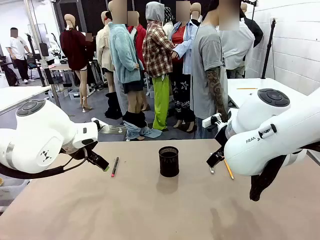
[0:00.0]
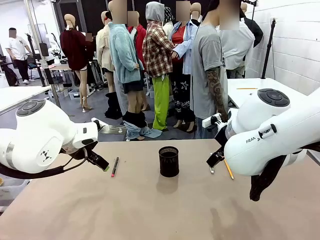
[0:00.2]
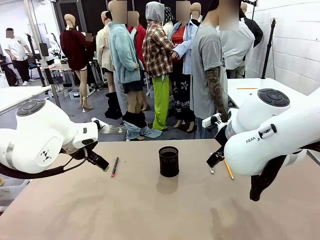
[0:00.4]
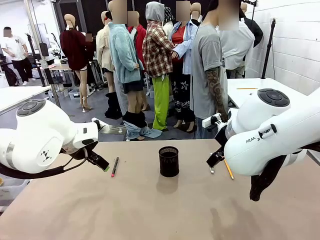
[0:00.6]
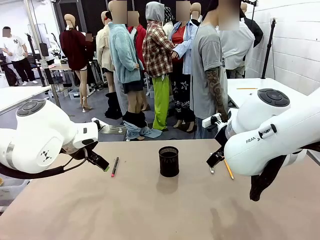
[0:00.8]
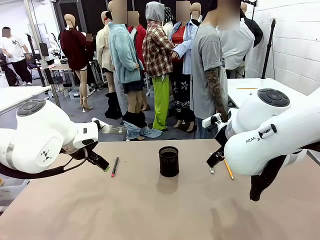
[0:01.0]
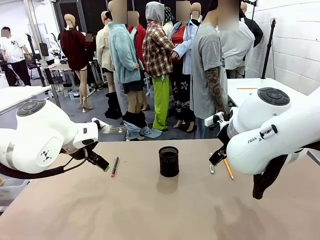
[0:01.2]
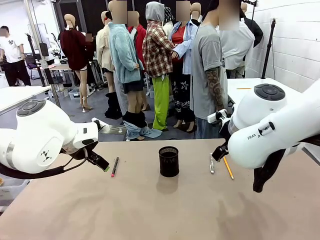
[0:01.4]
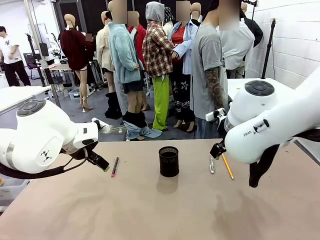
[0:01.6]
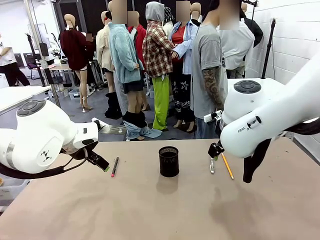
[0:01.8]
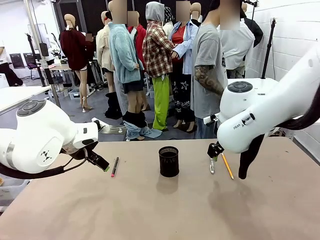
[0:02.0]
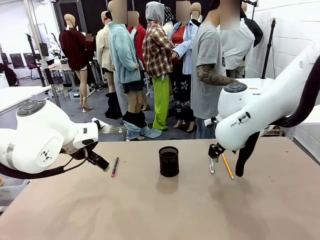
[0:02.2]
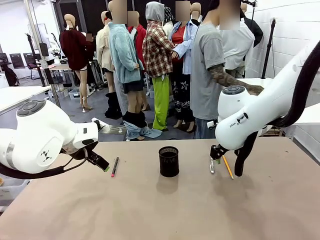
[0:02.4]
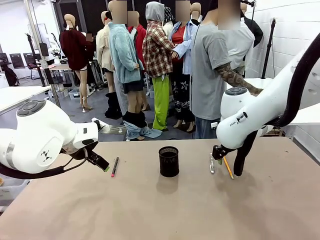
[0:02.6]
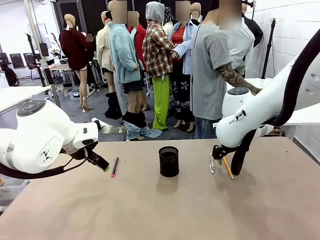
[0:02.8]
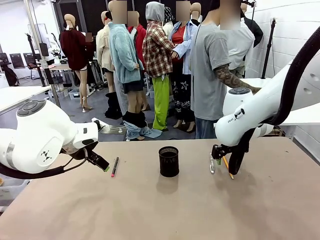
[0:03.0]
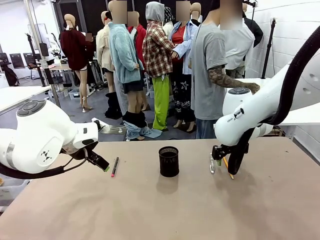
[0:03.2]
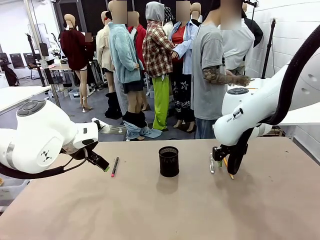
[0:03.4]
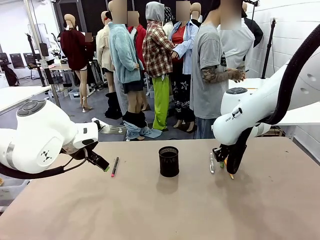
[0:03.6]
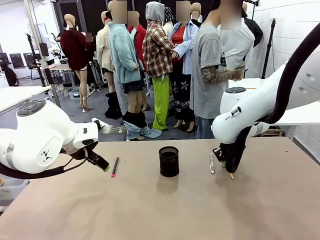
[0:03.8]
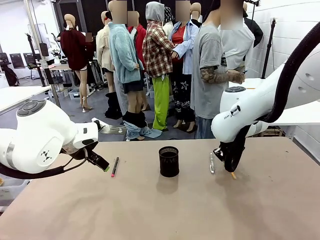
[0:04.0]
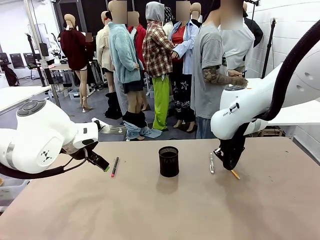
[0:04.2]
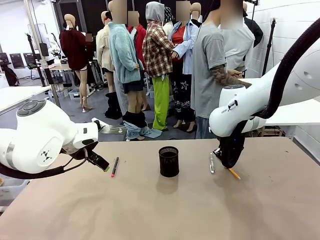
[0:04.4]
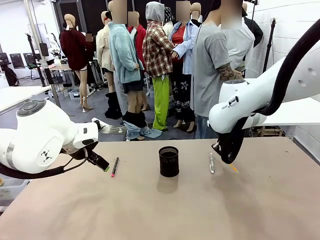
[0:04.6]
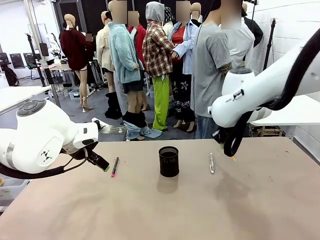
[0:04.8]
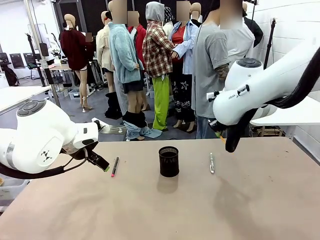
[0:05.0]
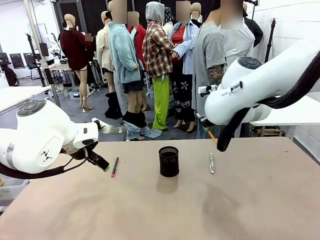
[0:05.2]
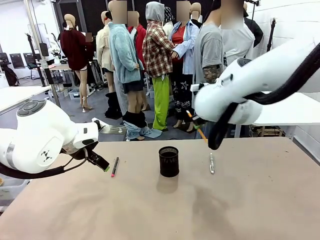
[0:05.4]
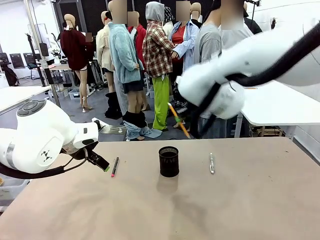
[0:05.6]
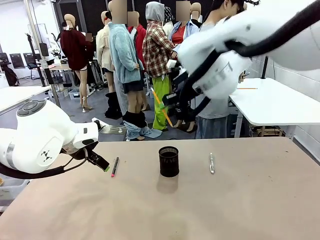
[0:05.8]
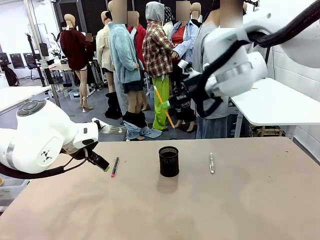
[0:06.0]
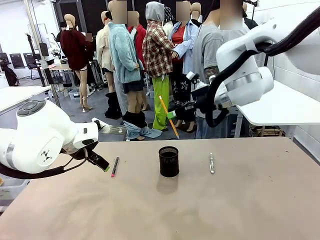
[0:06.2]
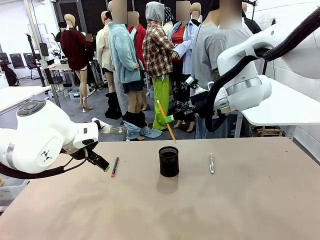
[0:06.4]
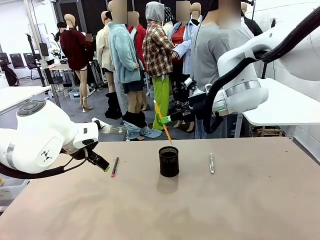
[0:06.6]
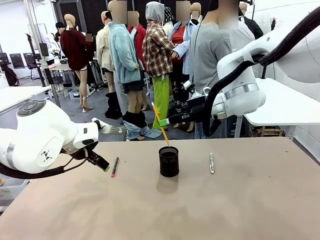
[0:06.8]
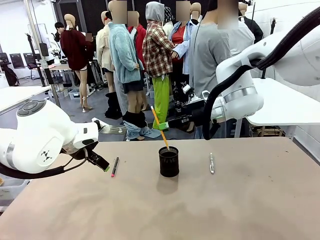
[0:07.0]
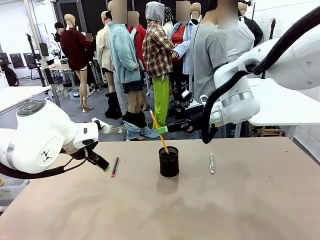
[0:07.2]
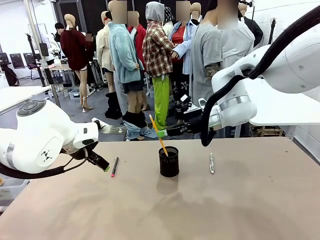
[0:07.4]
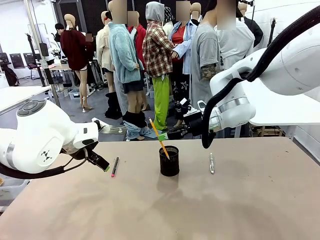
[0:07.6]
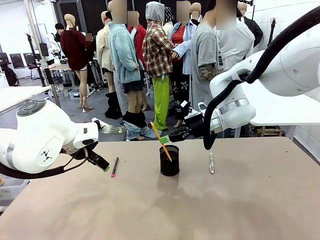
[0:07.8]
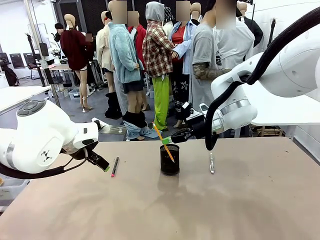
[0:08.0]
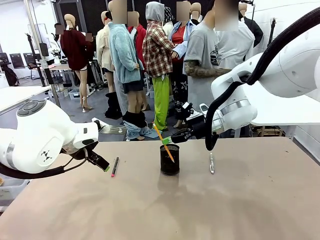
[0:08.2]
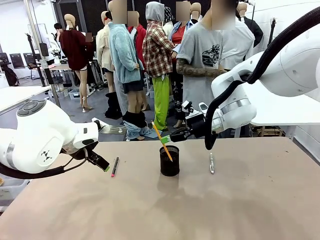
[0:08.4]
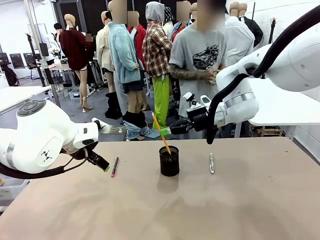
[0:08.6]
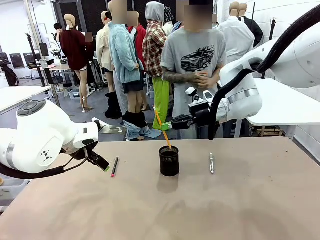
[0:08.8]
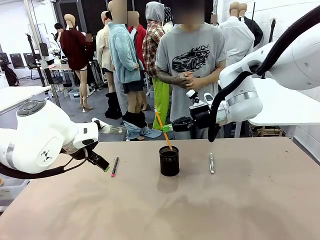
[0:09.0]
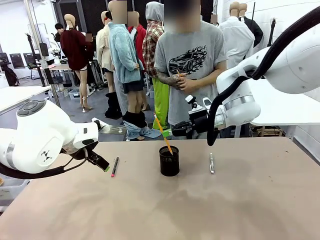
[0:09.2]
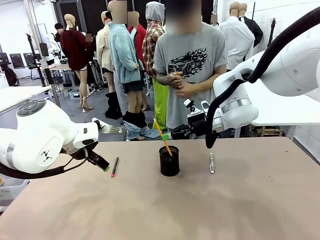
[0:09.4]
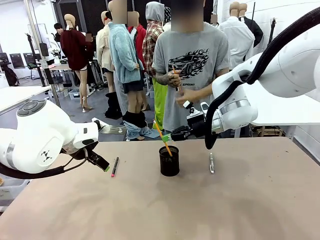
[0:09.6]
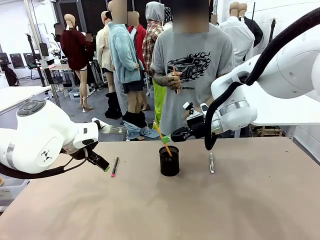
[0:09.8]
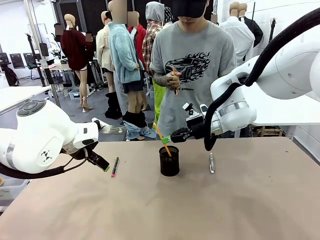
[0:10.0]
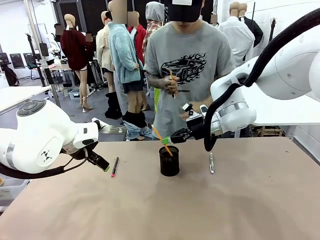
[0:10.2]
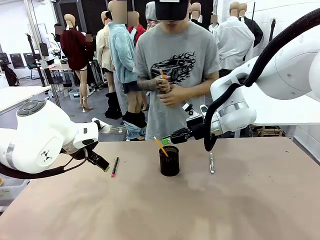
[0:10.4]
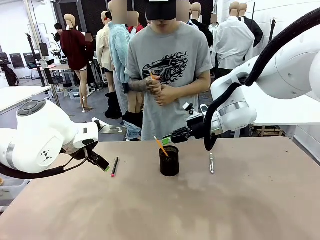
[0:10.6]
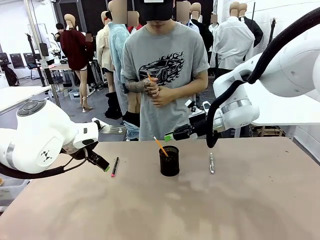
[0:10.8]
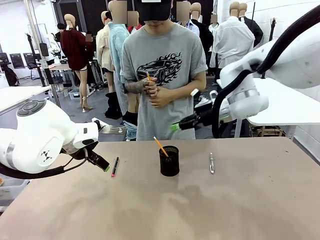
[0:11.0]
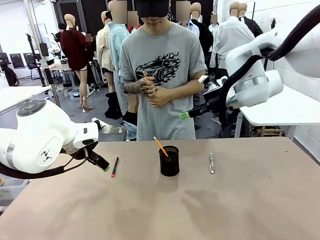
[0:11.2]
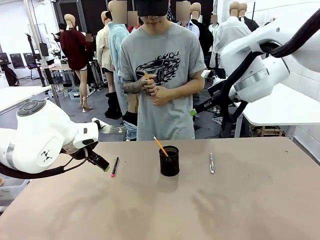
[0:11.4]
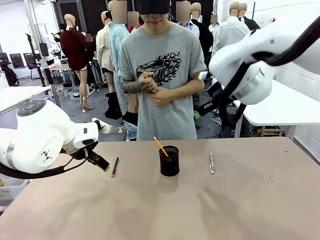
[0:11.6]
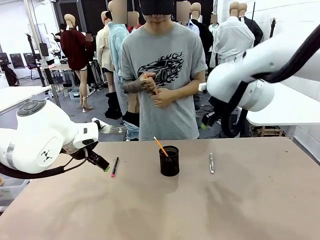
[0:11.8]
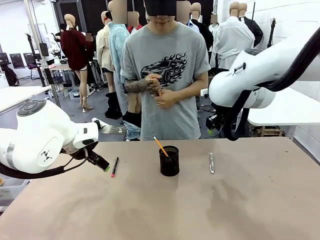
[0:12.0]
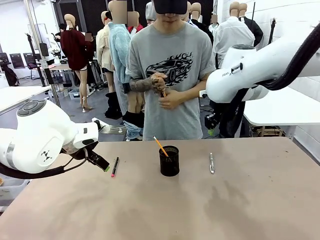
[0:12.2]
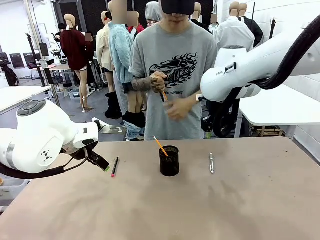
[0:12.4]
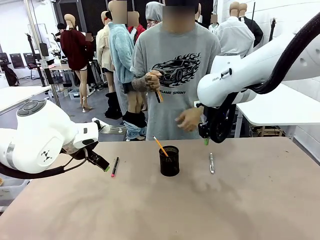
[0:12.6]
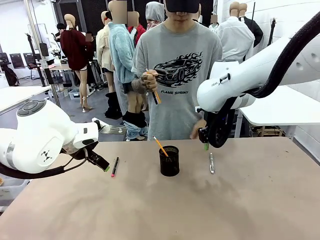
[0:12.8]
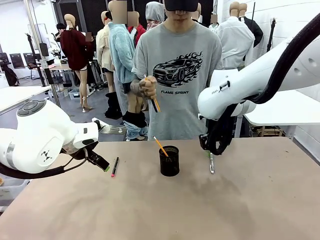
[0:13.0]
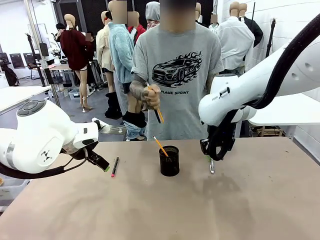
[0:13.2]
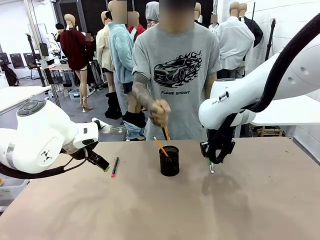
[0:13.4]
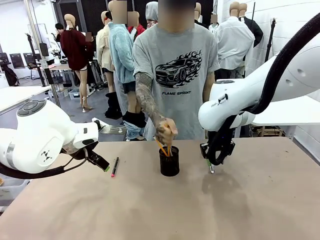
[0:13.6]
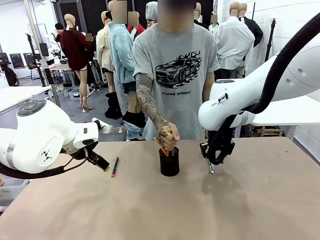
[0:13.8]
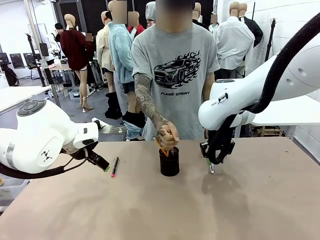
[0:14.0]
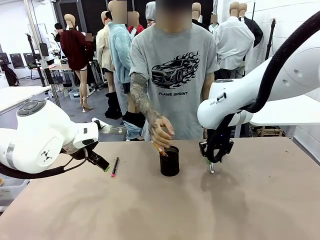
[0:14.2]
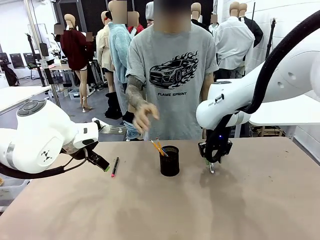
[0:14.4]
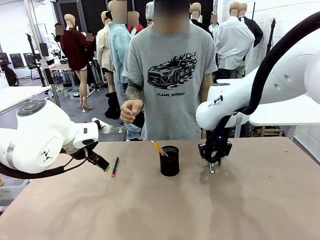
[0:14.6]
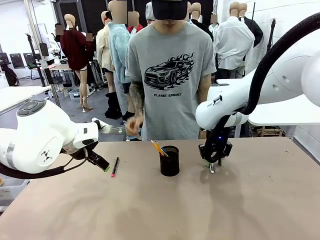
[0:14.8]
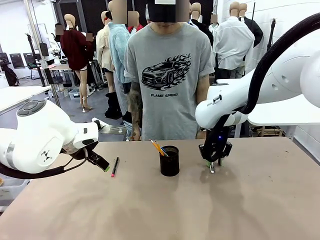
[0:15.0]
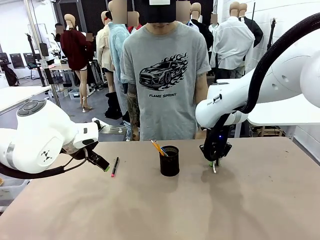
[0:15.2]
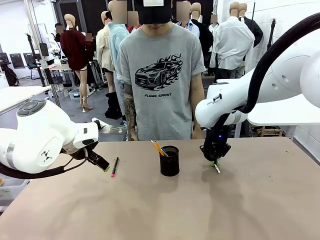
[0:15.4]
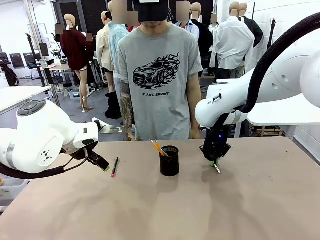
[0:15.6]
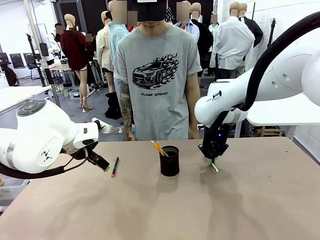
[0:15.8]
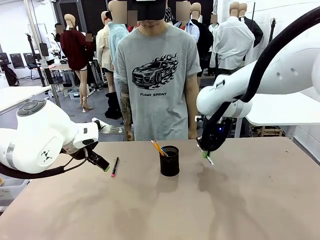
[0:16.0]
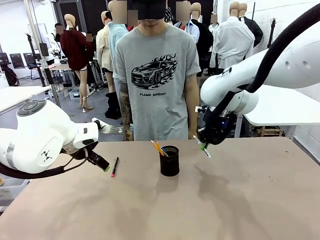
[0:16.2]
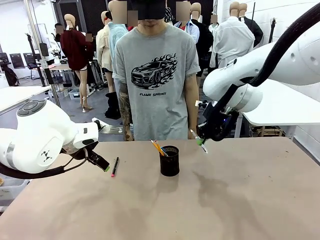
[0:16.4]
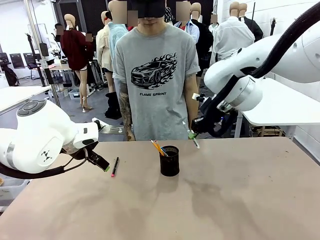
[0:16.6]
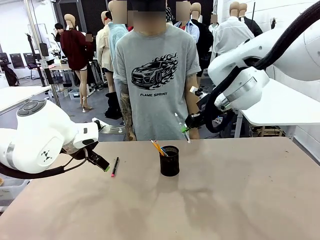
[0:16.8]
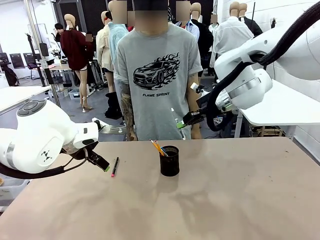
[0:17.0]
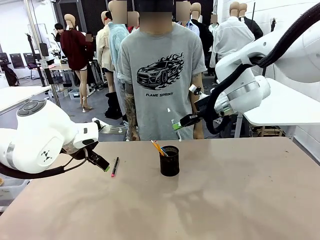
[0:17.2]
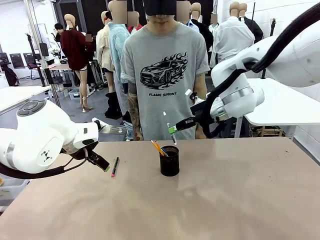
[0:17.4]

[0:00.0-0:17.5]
Task: Place the pens into the pen holder.
Robot: Pick up a writing instrument from the table and place it into the Pen holder.
Person: Pick up all writing instruments from the Human table.
